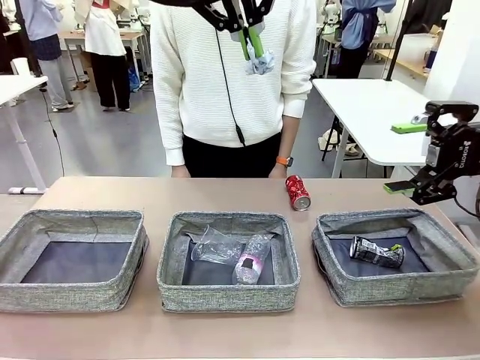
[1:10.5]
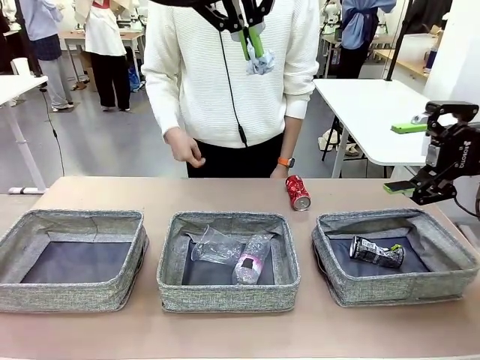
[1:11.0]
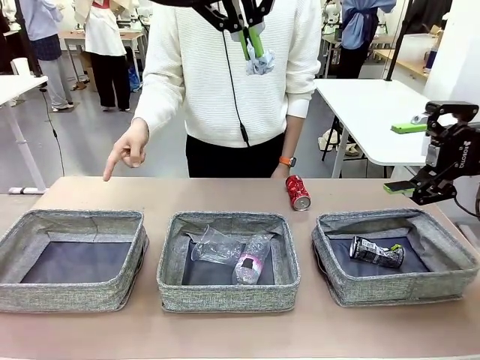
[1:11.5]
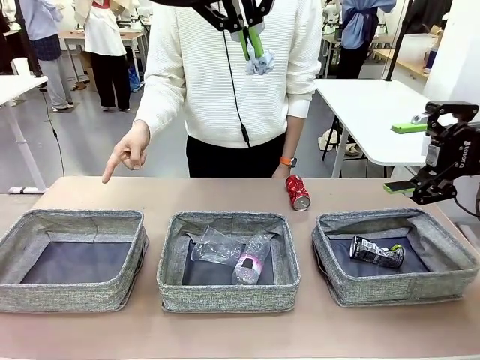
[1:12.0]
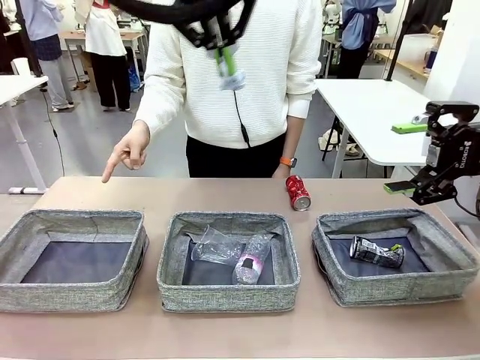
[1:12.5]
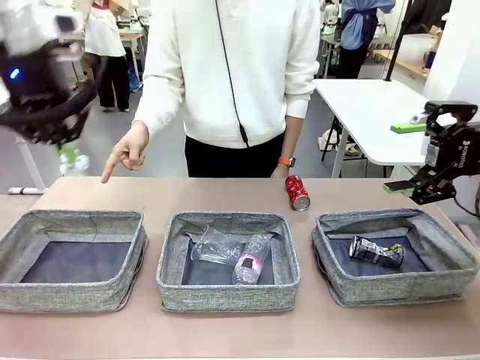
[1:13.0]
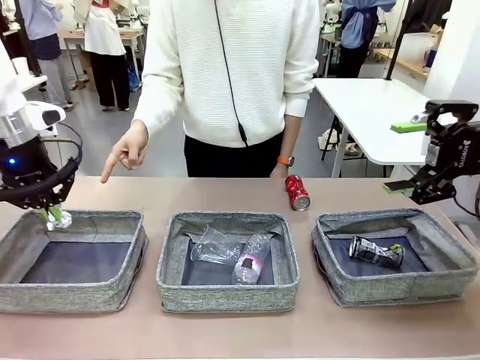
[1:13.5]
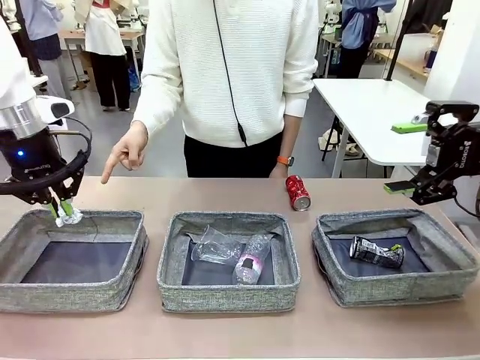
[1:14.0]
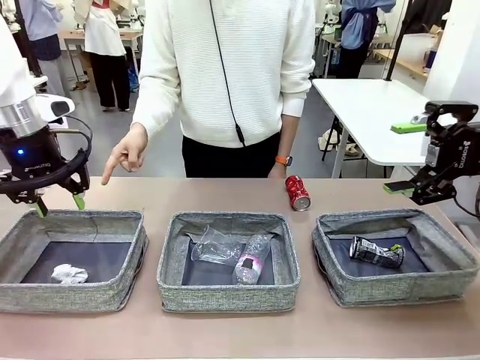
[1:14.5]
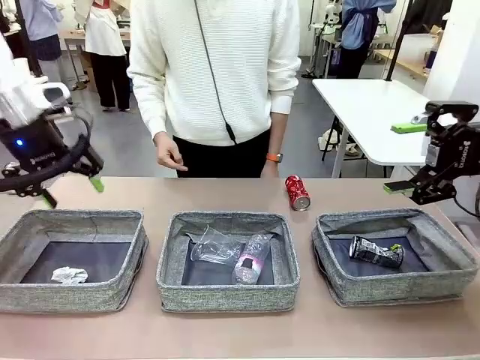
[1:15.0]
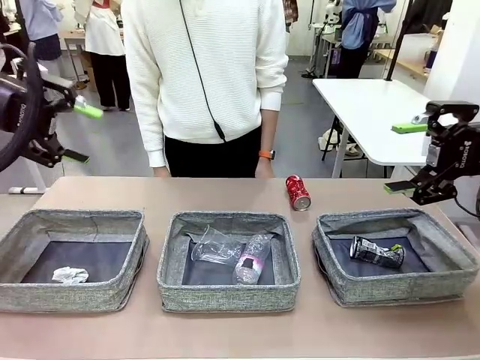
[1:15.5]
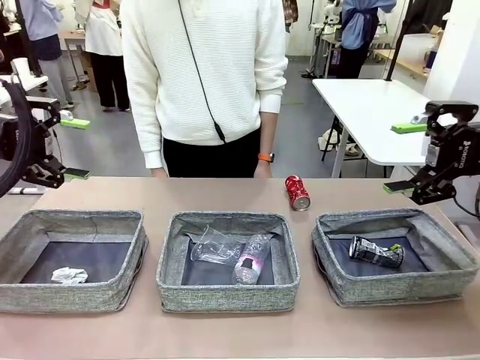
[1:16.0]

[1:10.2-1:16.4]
Task: Sort the waste into the appropriate baskets.
Robot: Place the picked waste into the Fabric basket indicated by the person.
Person: Instructs the robot to place the picked-up trash into the appropriate organizing basket.

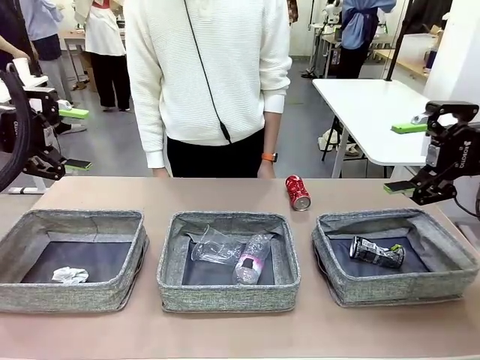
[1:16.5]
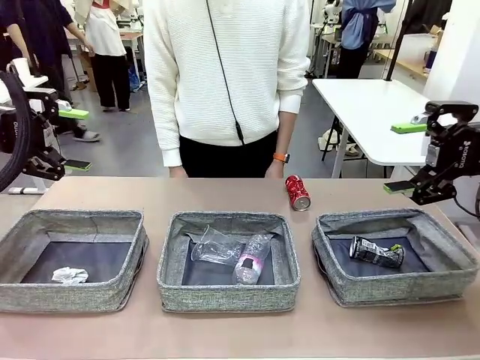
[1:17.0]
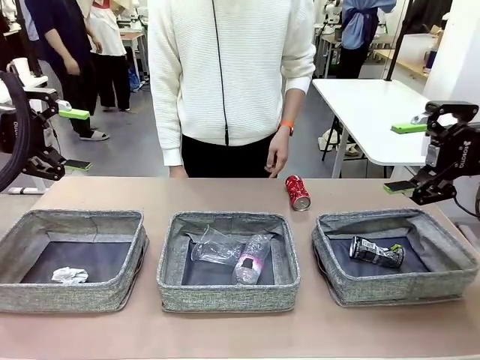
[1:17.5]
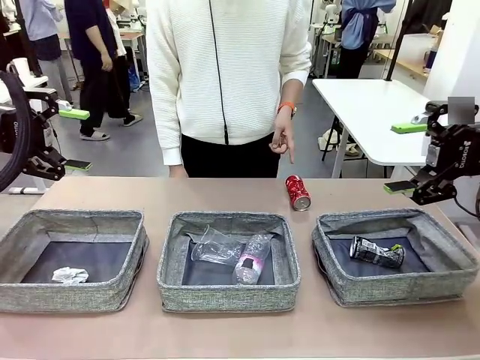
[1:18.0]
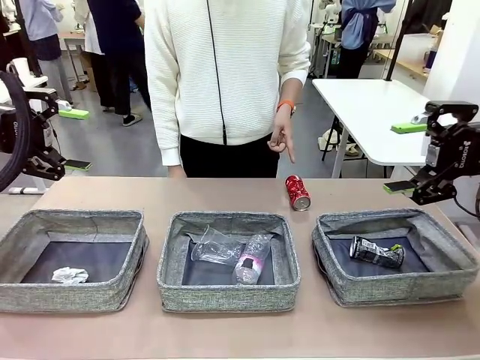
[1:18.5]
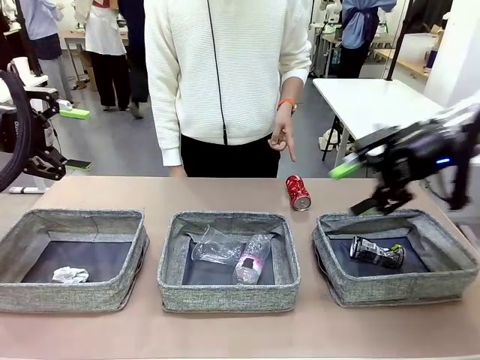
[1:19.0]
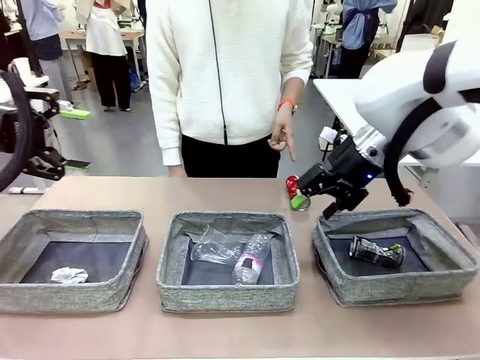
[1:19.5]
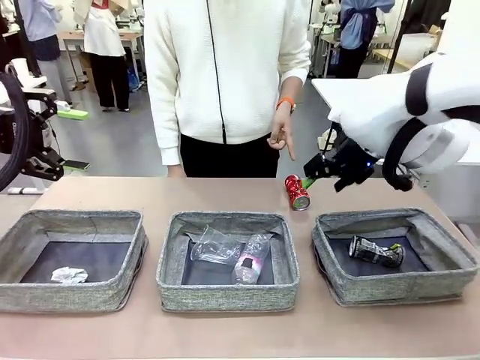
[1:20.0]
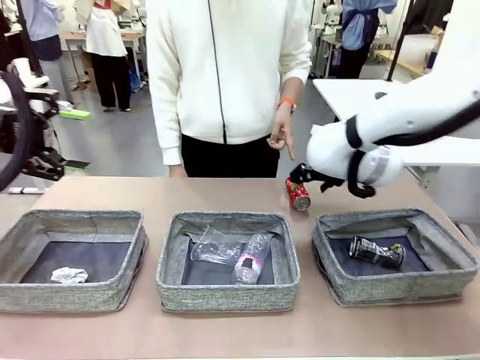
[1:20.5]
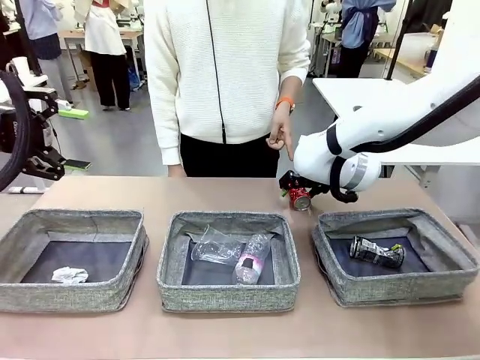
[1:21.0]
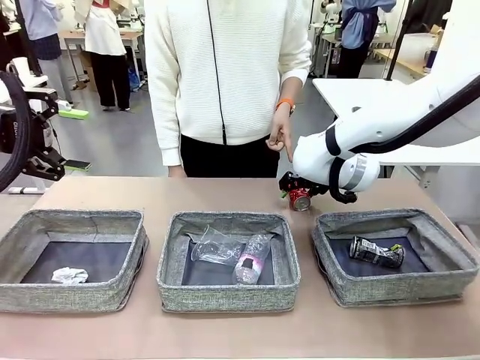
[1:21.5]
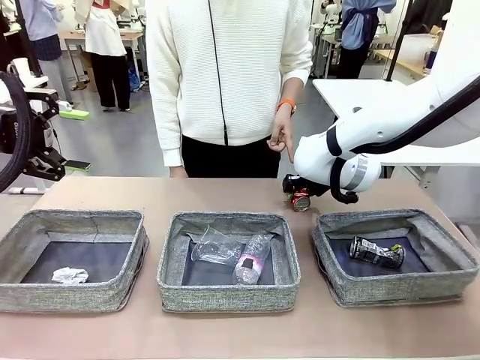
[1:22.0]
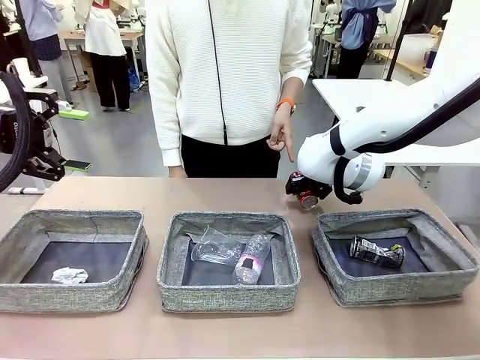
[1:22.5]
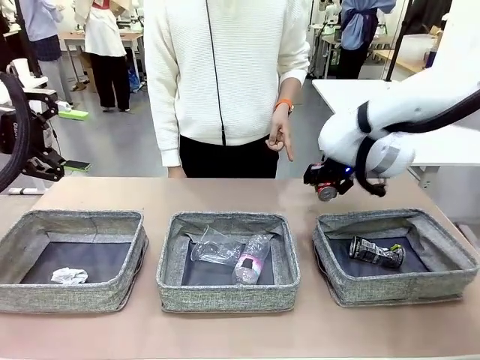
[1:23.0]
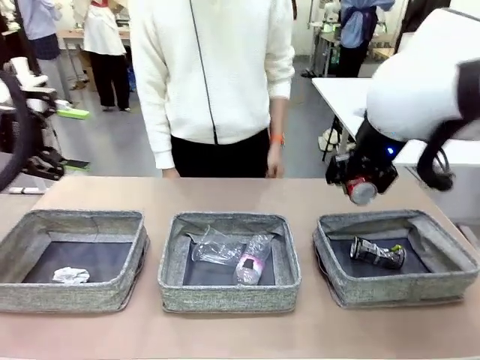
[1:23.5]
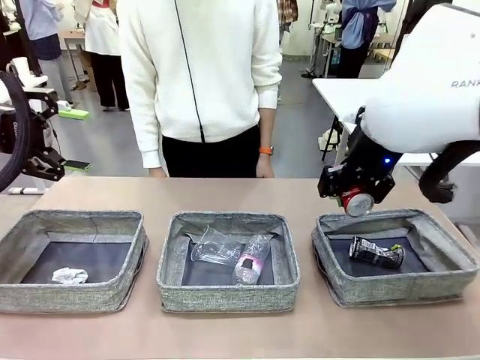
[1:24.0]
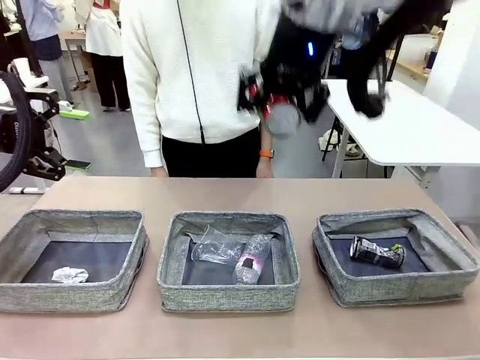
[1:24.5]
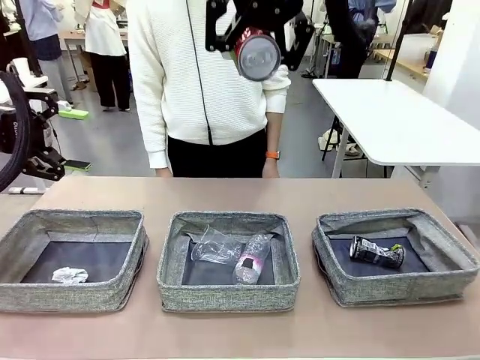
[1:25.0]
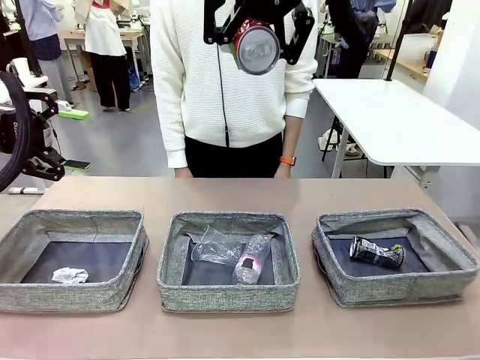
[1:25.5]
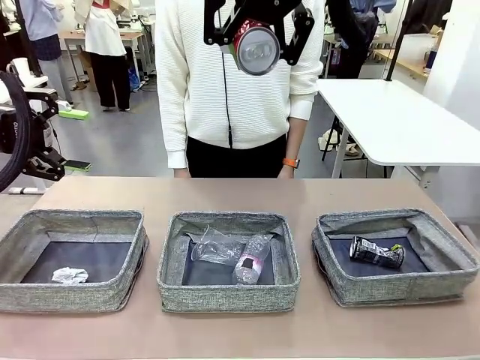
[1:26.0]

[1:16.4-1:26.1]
Robot: Pick up the waste item pointed out by the person.
Person: Points to one piece of trash on the table.

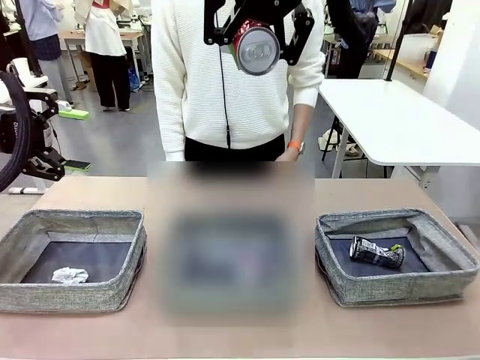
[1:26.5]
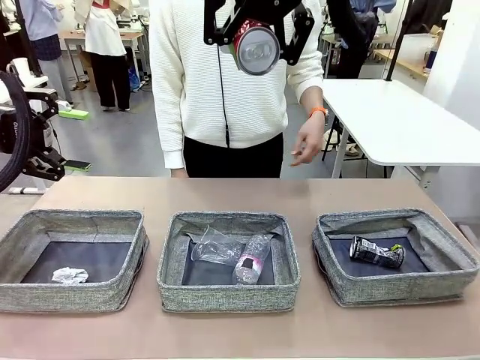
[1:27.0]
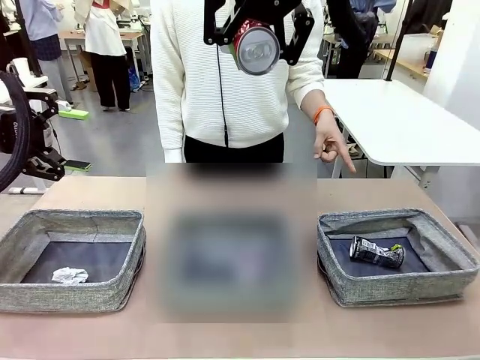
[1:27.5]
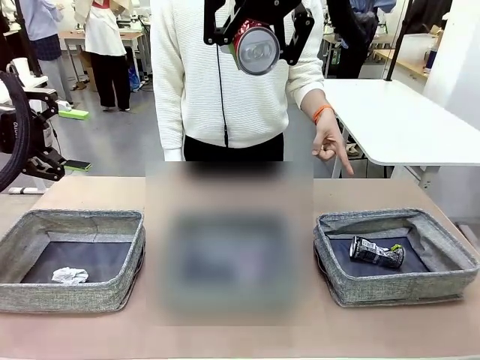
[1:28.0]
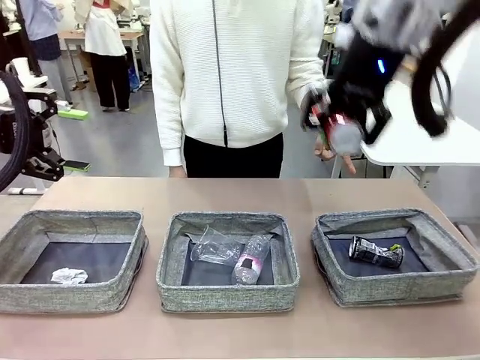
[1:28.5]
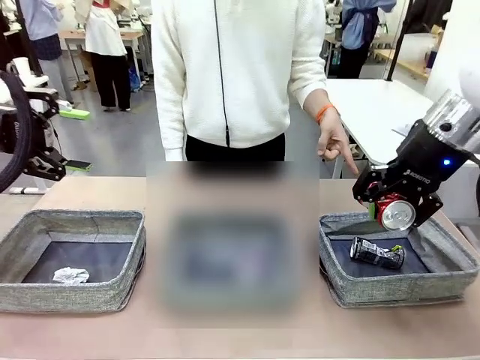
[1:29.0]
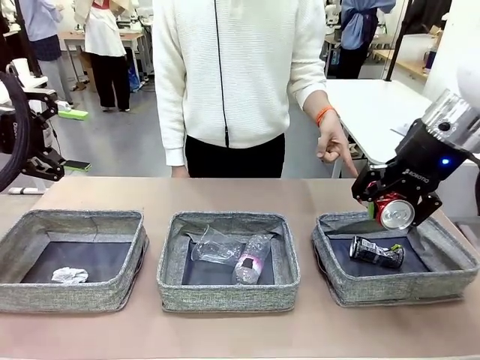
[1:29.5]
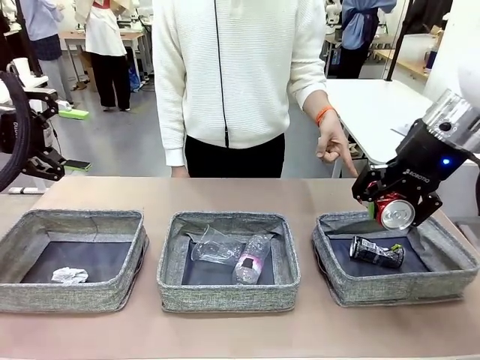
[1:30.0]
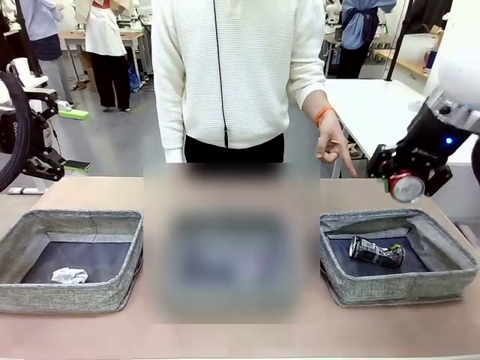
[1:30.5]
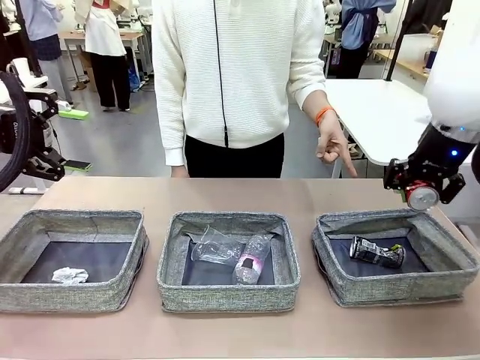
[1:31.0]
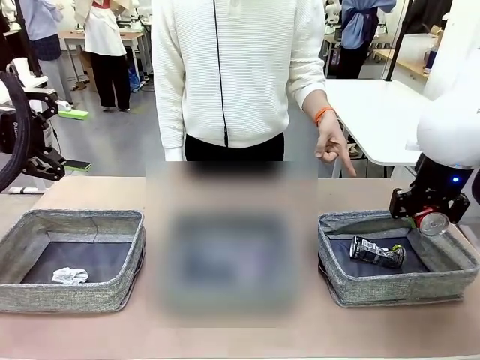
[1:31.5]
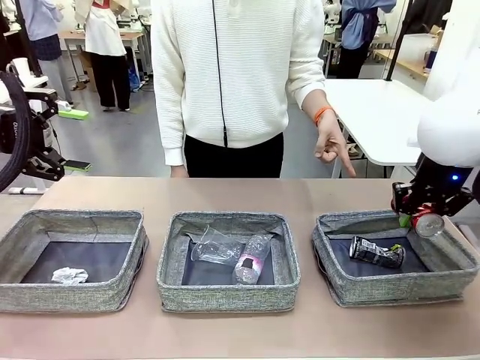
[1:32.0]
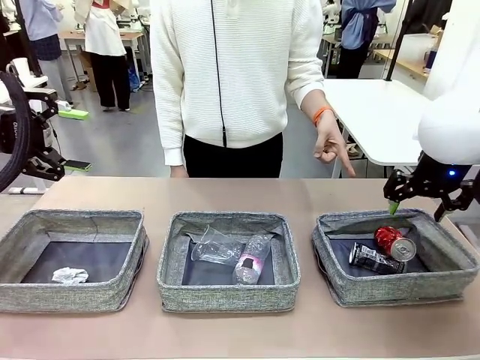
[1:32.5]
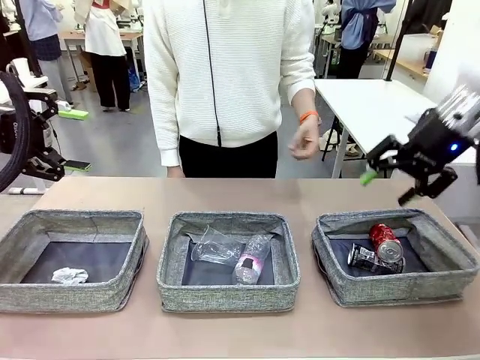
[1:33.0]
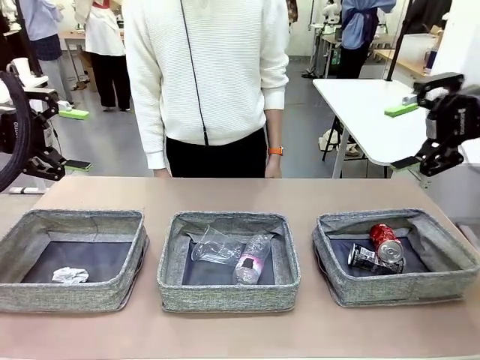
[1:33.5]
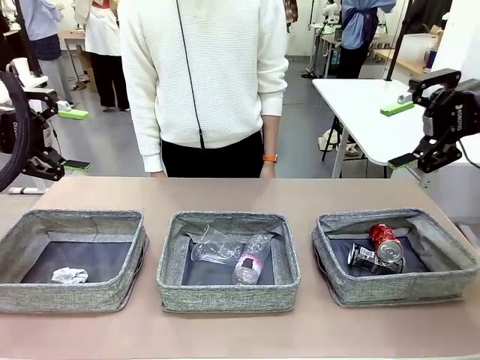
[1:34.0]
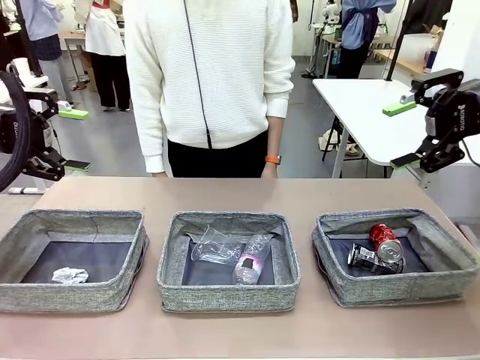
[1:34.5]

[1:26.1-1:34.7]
Robot: Place the picked waste into the Fabric basket indicated by the person.
Person: Instructs the robot to place the picked-up trash into the appropriate organizing basket.
